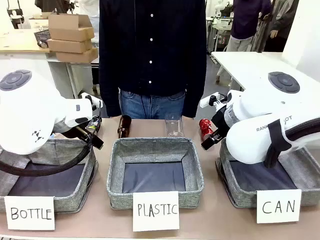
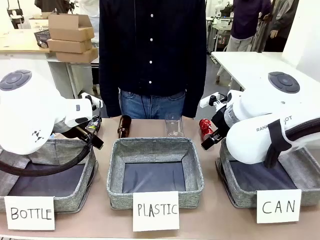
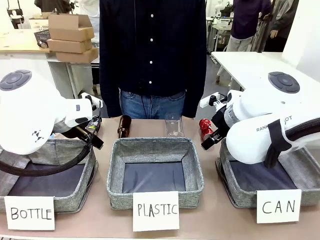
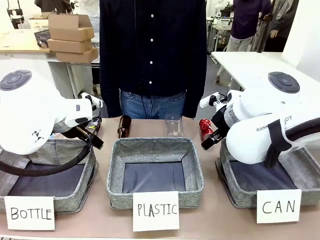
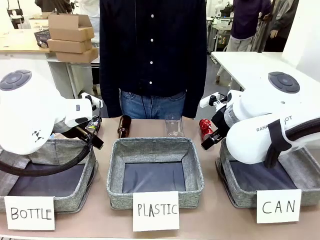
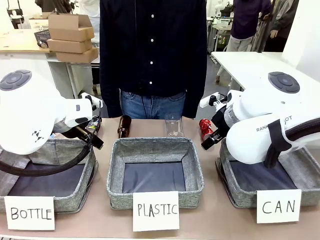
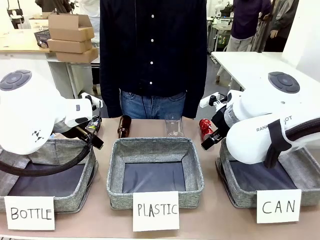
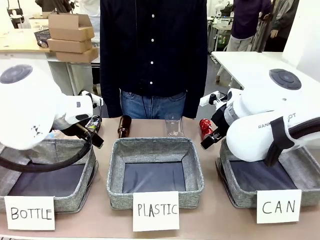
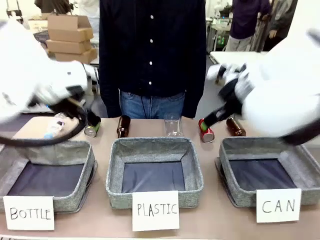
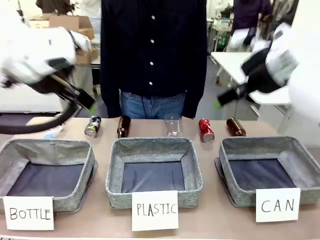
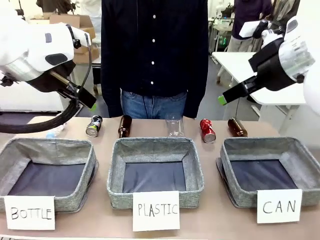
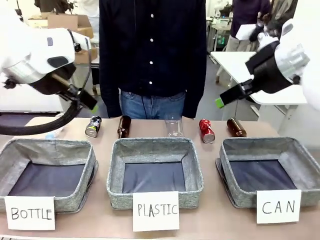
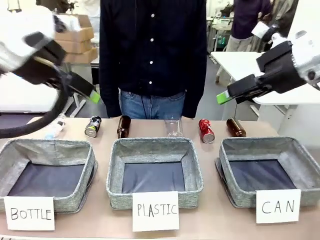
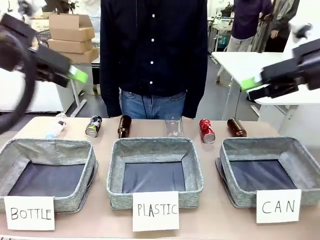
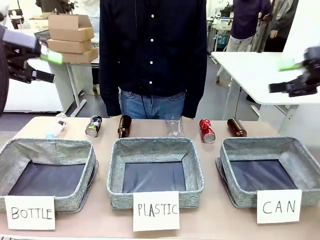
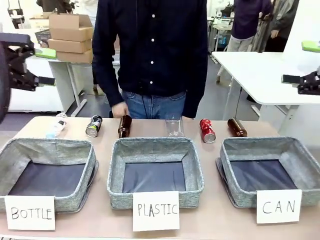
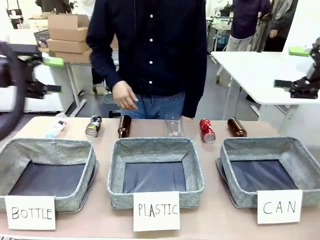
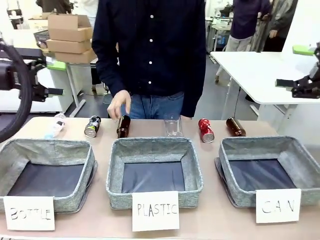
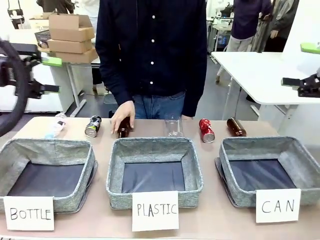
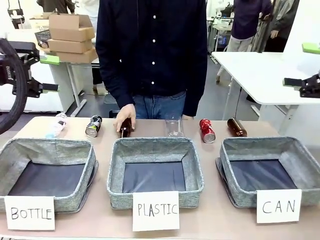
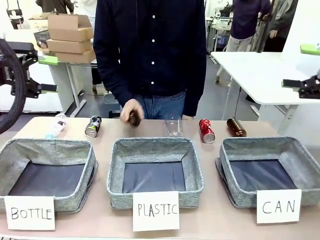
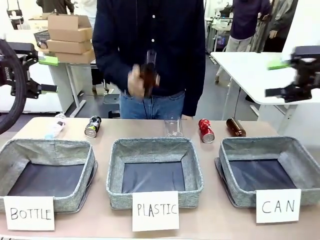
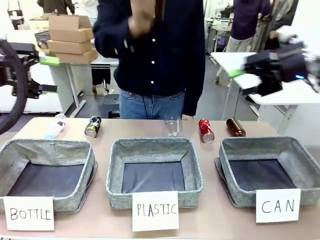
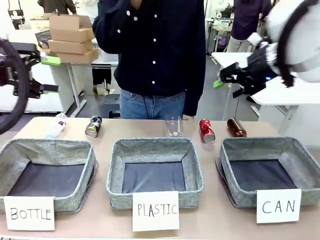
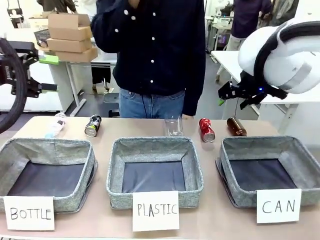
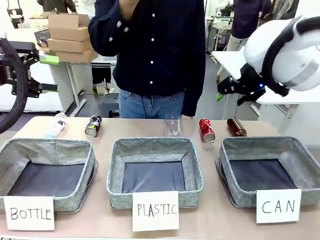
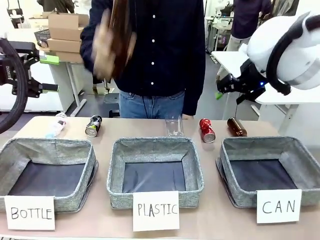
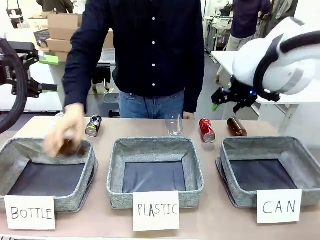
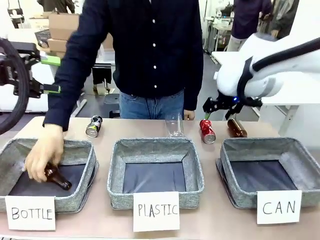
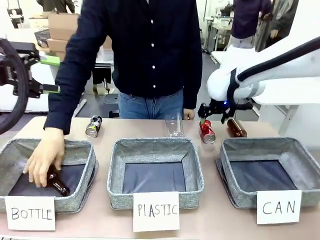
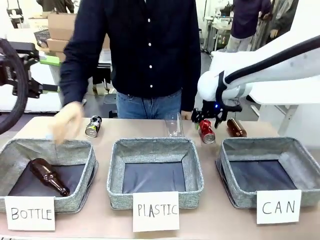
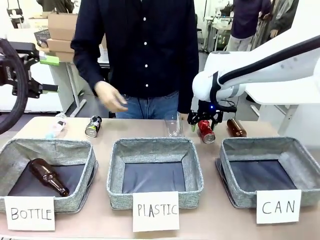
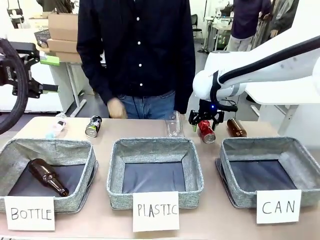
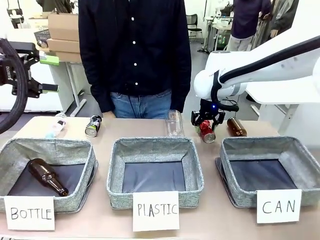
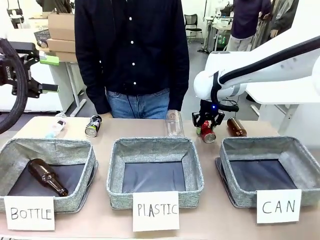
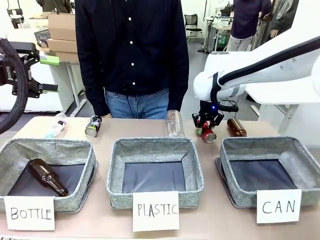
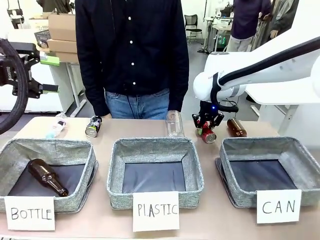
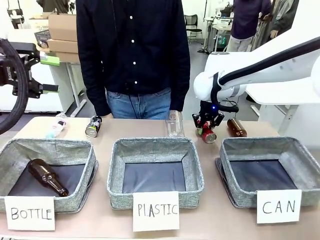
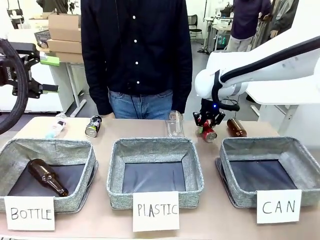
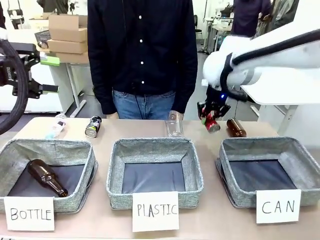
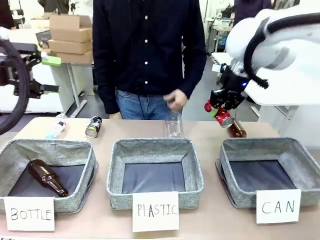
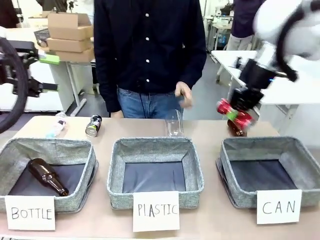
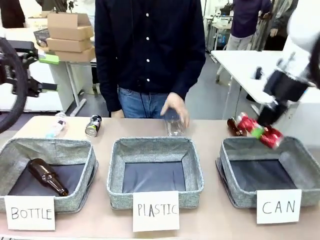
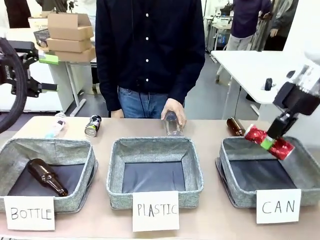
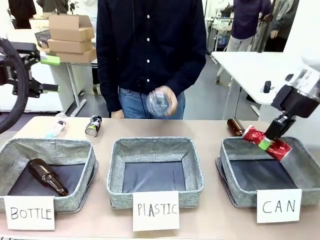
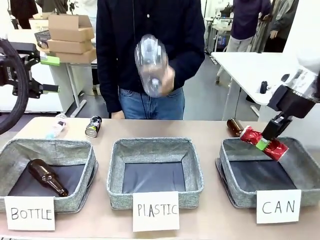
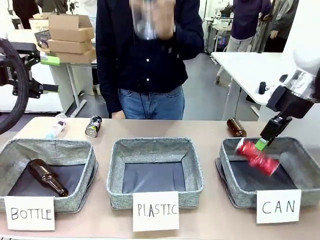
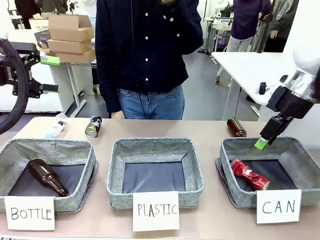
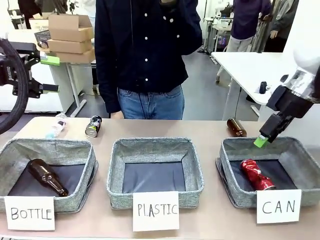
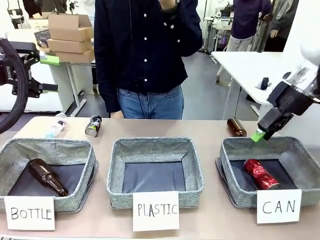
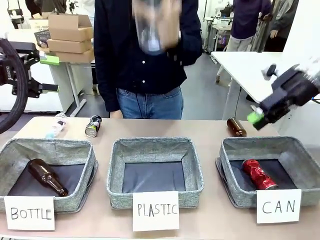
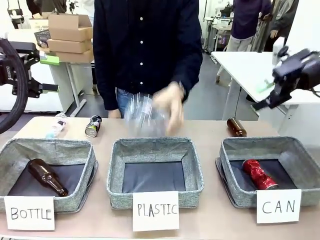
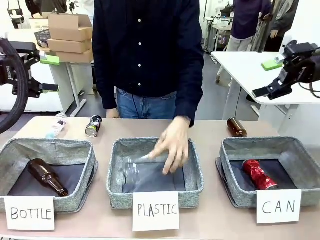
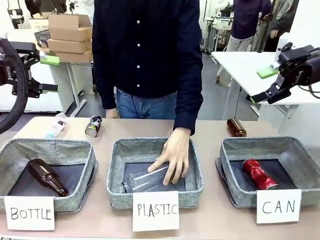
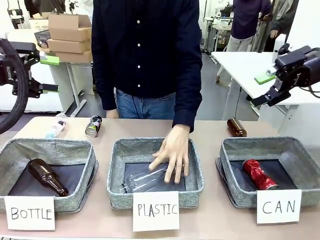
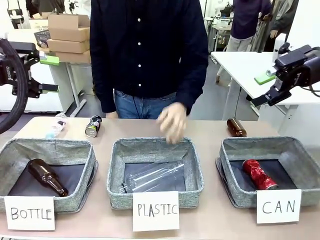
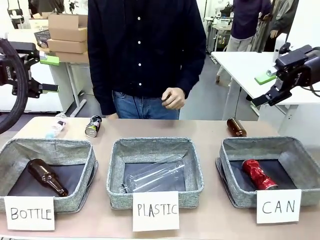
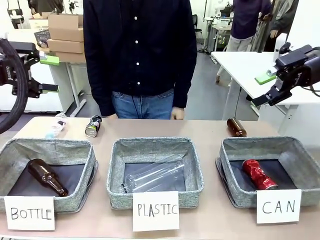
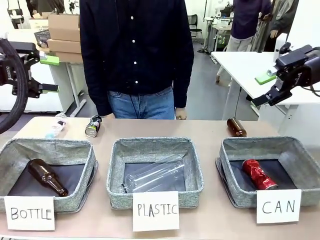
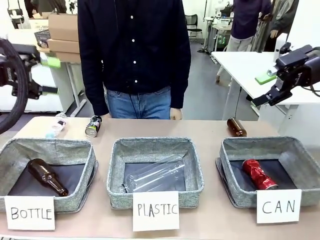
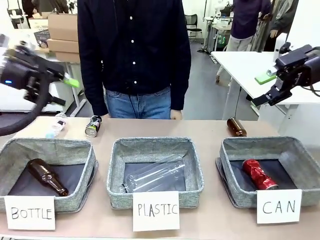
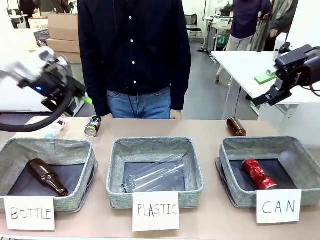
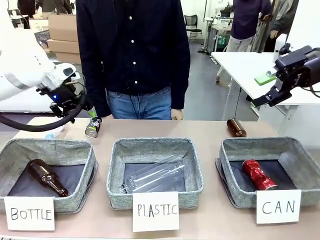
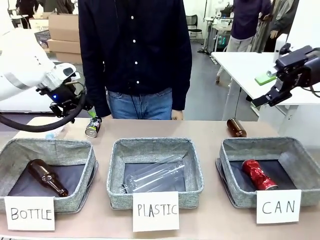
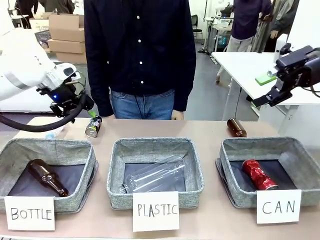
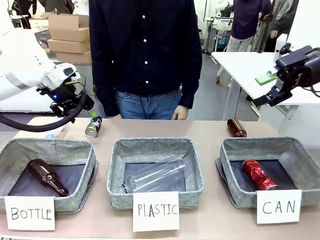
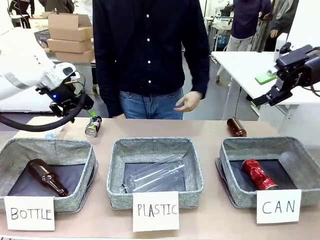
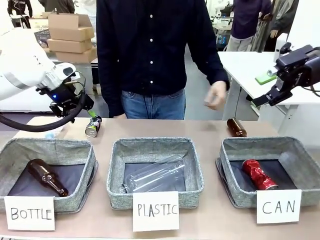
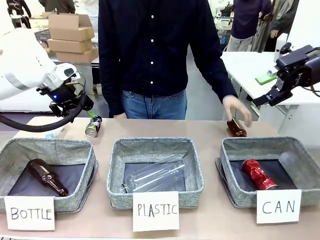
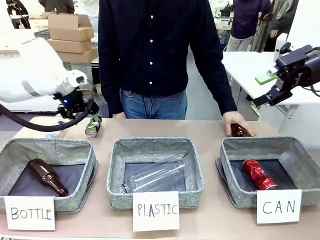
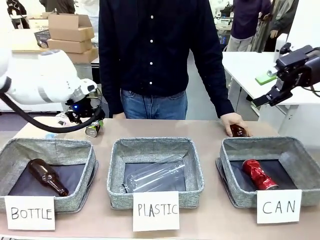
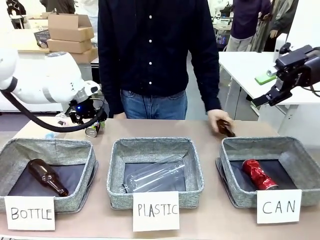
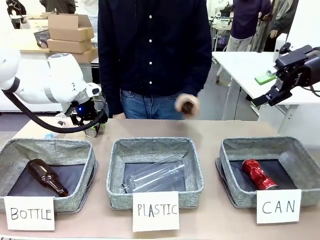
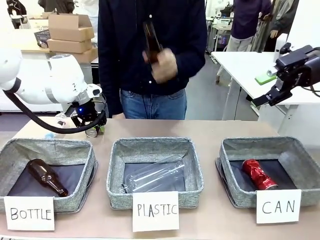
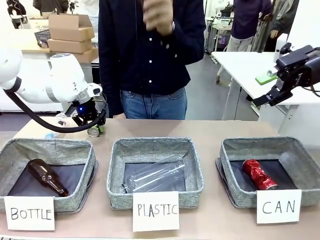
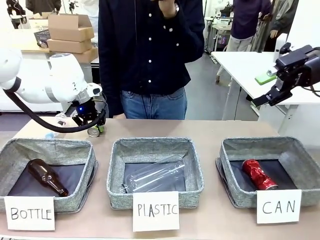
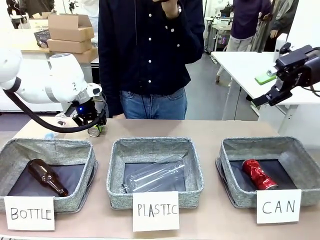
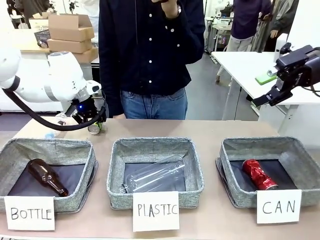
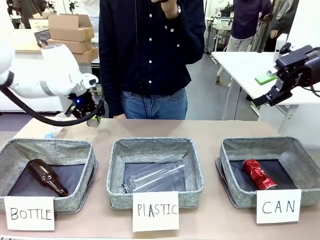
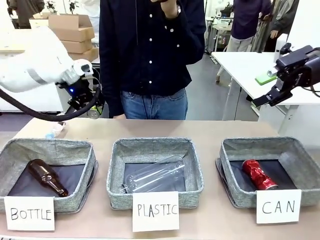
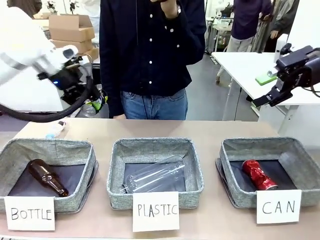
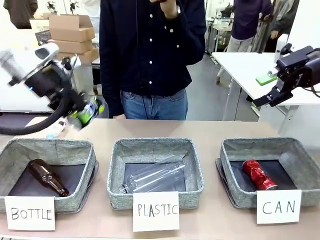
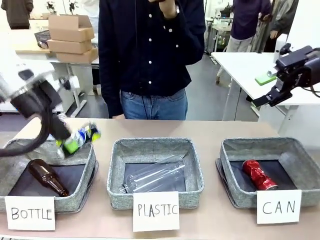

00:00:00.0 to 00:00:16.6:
Task: Sort the can waste into the basket.
Robot: Pick up the can waste from the table and place it in the right Fabric basket.
